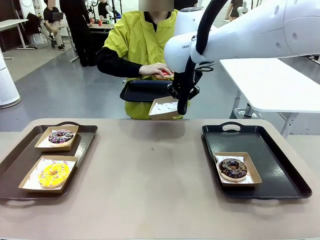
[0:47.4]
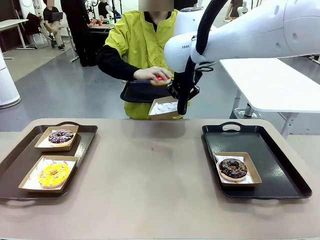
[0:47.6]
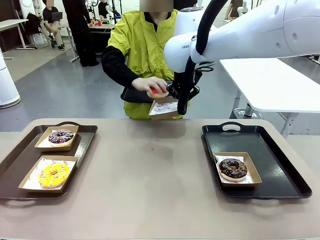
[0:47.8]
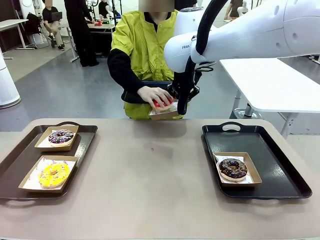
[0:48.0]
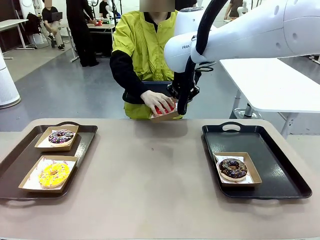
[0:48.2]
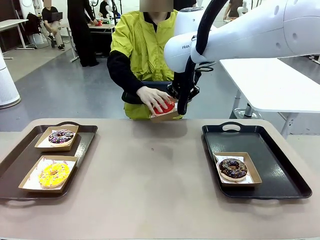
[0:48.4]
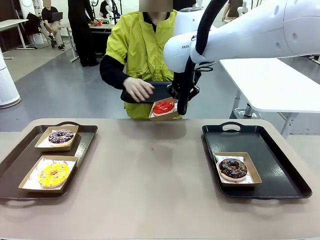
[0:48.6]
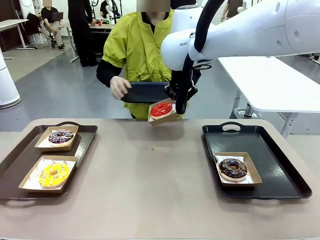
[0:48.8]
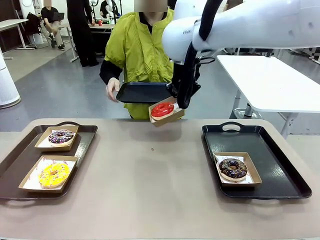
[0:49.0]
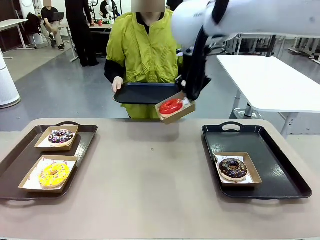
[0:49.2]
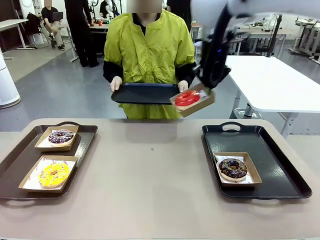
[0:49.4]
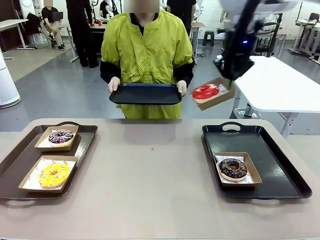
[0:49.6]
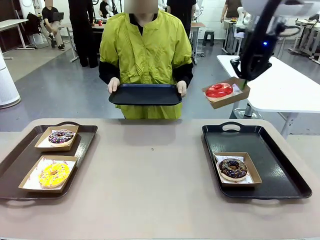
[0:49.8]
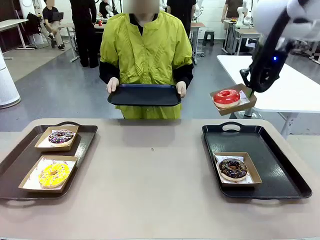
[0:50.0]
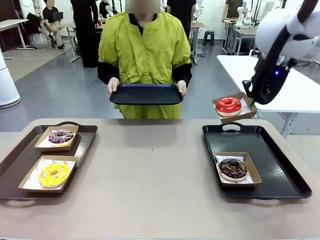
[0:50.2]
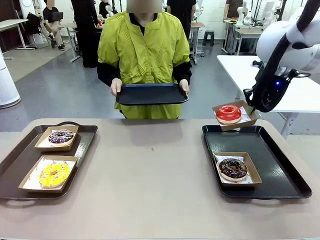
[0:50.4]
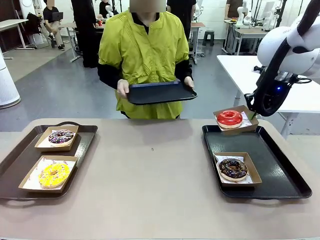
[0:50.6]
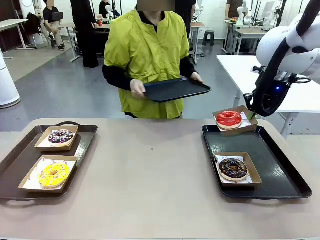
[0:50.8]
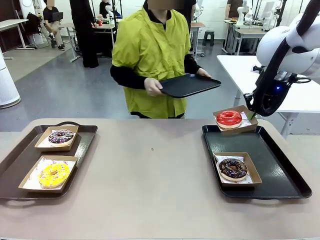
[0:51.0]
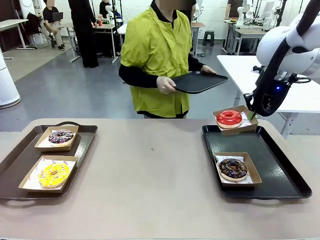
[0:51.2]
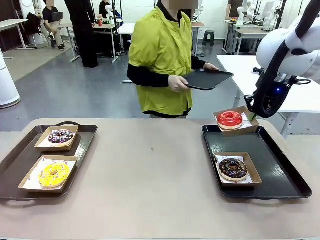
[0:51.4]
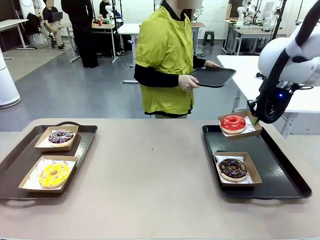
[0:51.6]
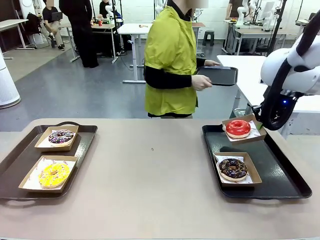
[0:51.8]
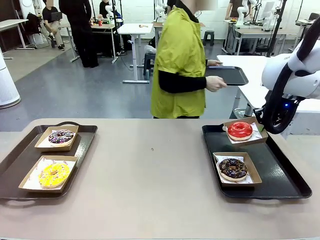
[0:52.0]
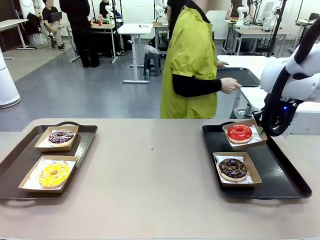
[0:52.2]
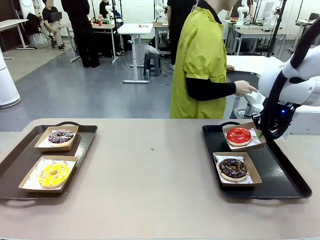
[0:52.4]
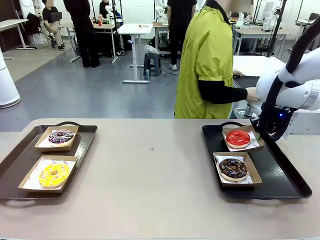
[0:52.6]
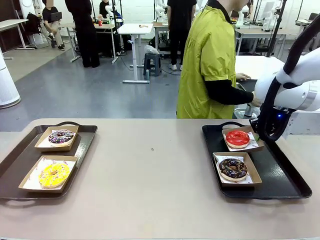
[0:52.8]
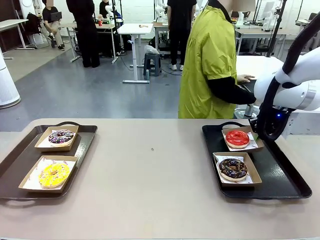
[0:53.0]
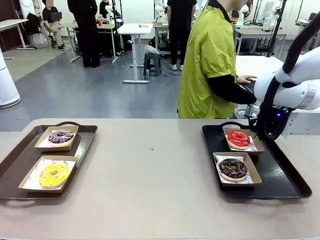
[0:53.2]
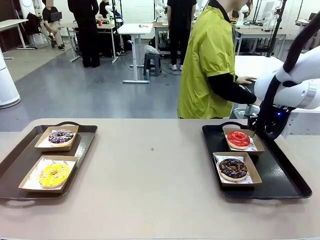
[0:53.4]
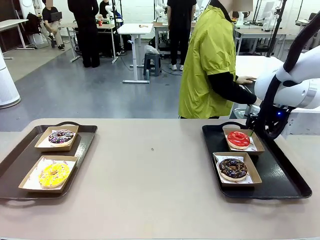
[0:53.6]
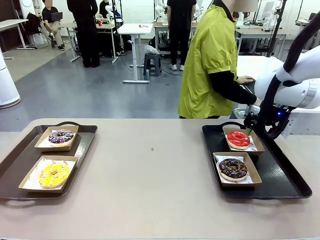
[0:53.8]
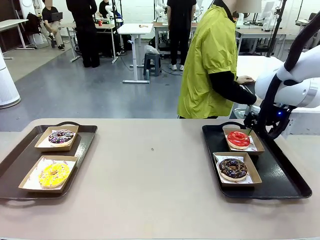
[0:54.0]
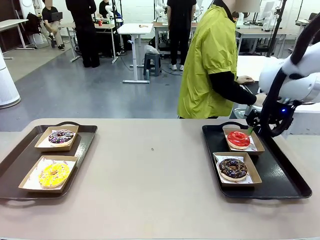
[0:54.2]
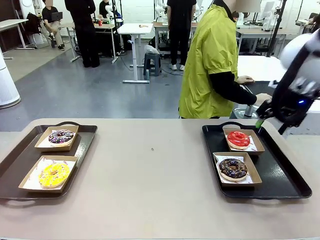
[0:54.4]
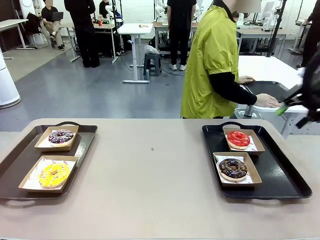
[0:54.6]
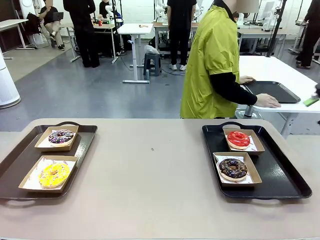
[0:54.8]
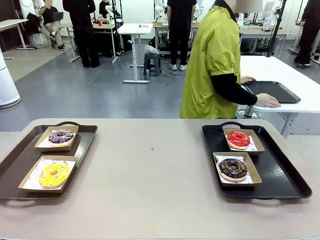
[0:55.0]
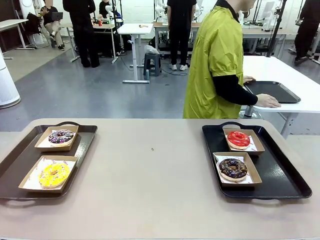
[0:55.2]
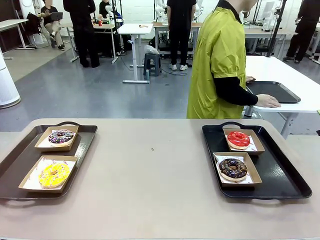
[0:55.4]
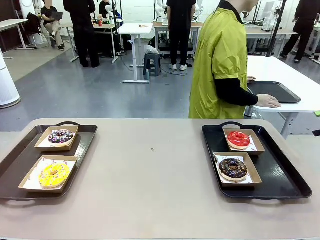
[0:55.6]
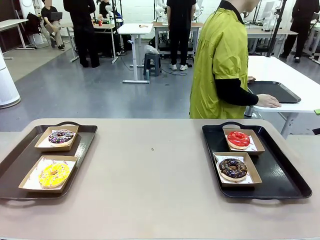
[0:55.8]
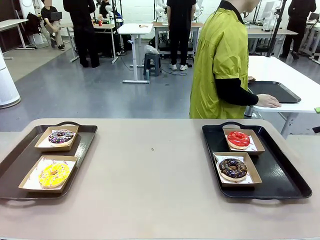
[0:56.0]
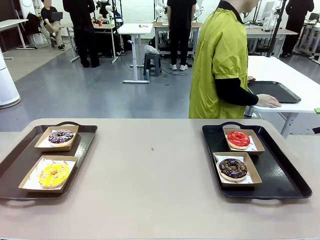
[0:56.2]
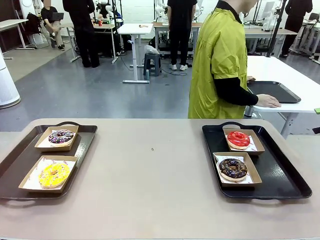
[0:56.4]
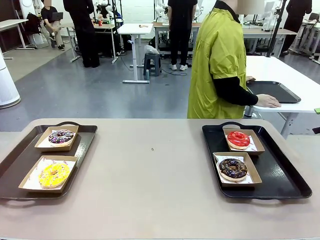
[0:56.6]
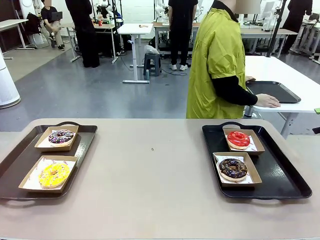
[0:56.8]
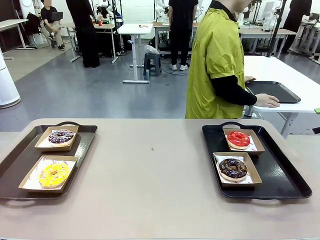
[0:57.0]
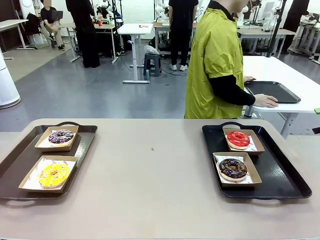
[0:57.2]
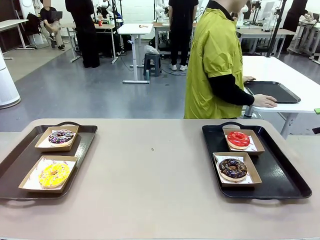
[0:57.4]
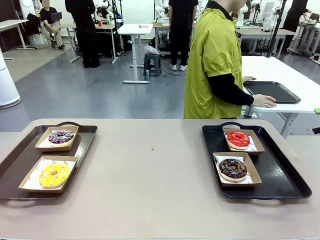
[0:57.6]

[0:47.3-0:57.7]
Task: Individually package the donuts and arrange them on the tray.
Robot: Place the picked Paper togo box on the Handle tray.
Person: Place the tray down in the middle of the human table.

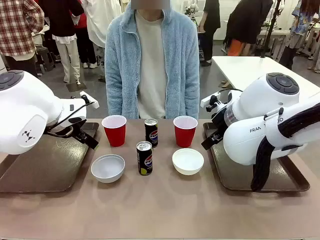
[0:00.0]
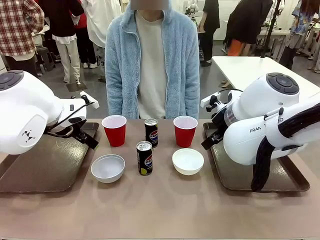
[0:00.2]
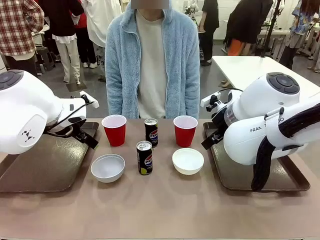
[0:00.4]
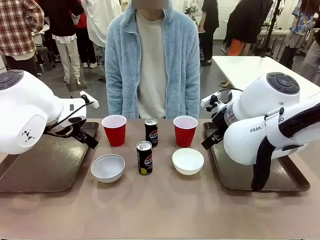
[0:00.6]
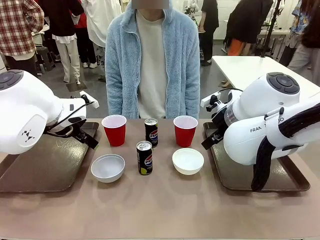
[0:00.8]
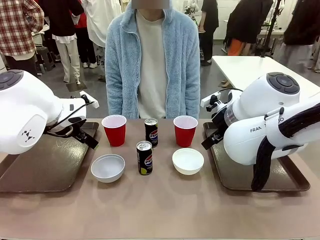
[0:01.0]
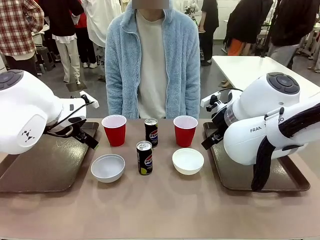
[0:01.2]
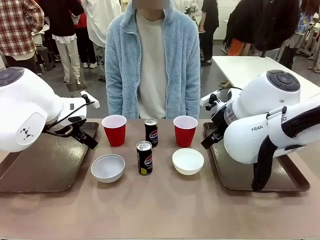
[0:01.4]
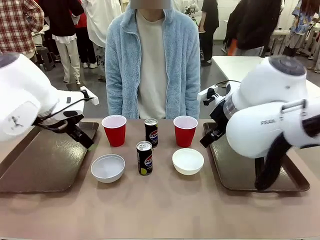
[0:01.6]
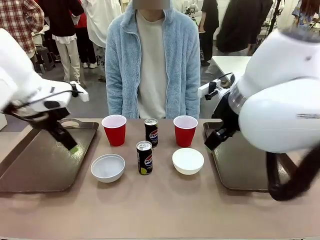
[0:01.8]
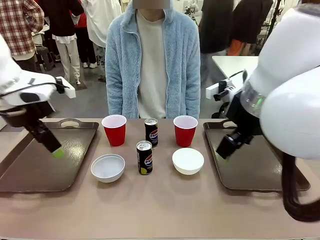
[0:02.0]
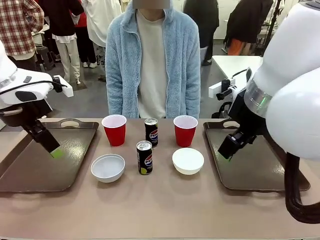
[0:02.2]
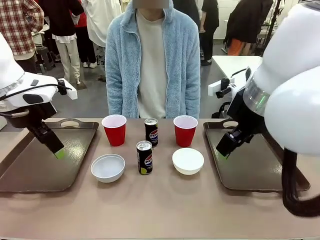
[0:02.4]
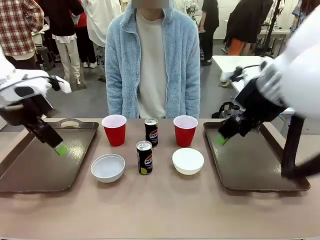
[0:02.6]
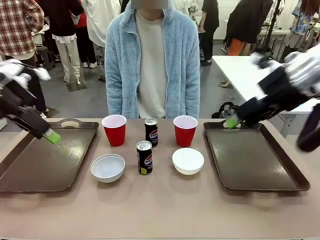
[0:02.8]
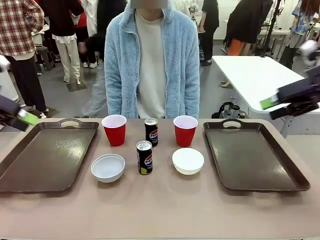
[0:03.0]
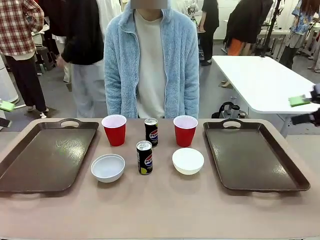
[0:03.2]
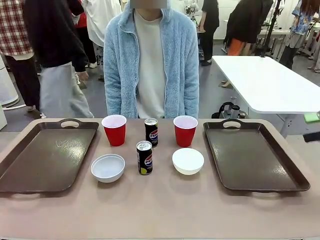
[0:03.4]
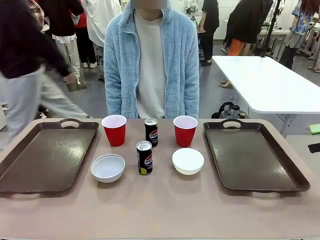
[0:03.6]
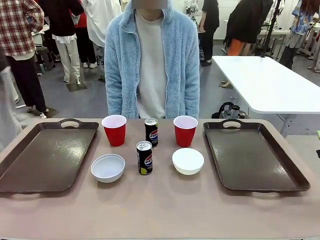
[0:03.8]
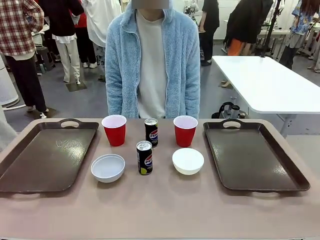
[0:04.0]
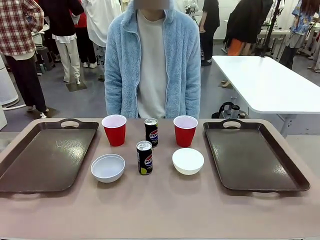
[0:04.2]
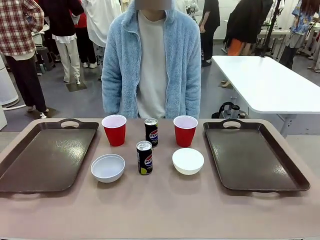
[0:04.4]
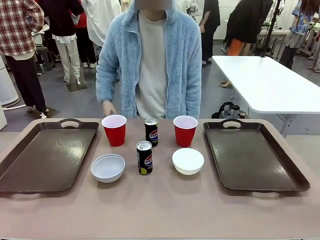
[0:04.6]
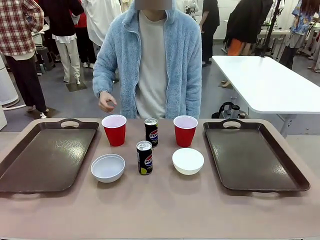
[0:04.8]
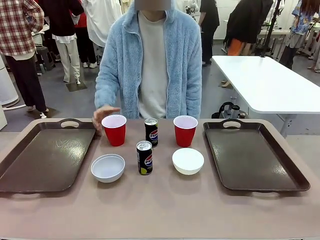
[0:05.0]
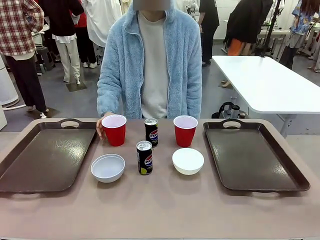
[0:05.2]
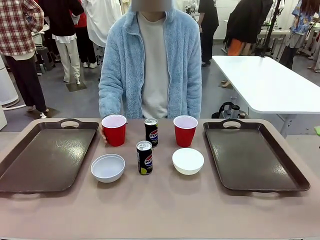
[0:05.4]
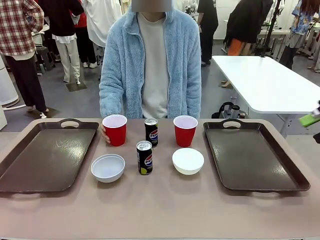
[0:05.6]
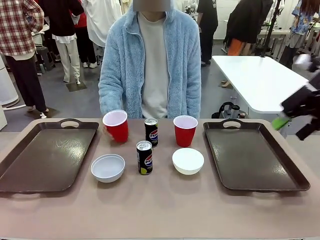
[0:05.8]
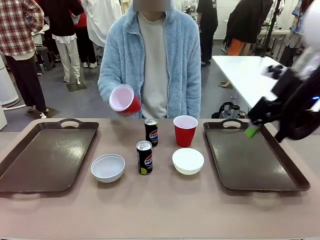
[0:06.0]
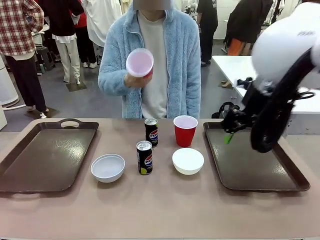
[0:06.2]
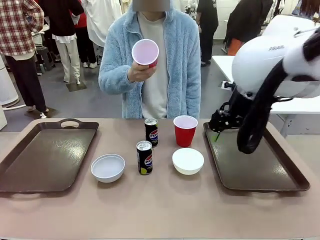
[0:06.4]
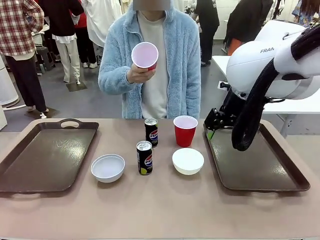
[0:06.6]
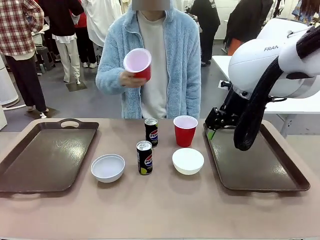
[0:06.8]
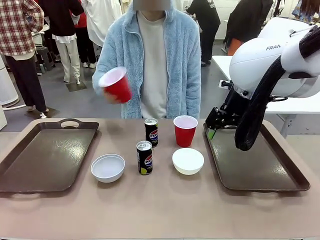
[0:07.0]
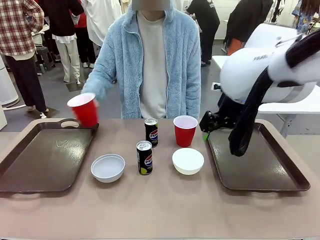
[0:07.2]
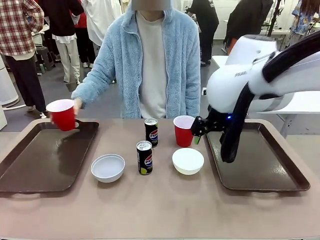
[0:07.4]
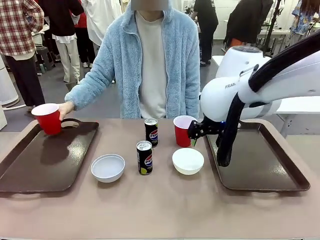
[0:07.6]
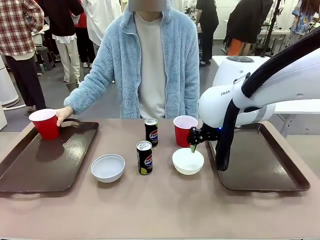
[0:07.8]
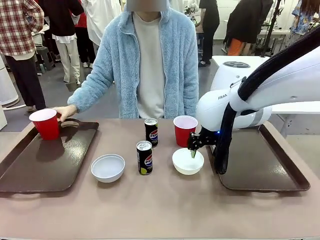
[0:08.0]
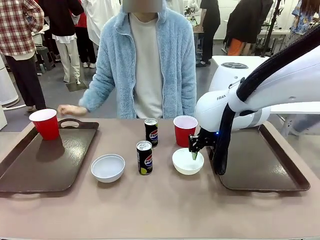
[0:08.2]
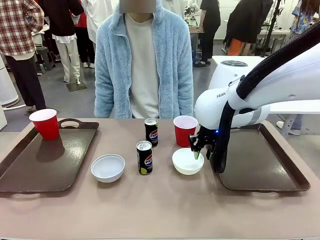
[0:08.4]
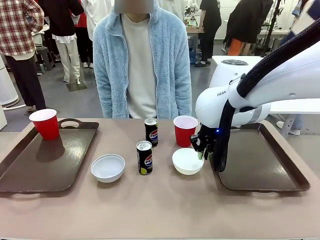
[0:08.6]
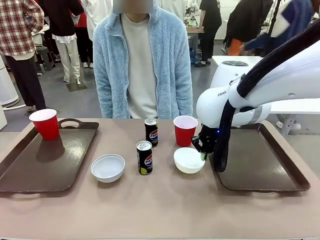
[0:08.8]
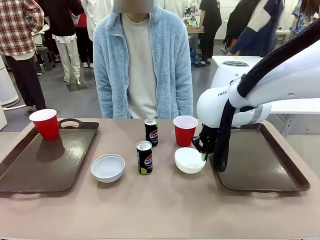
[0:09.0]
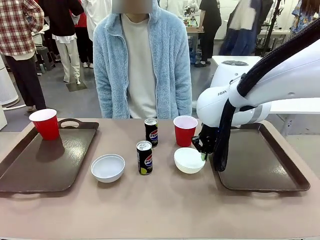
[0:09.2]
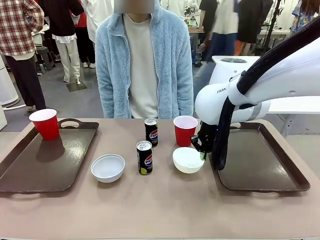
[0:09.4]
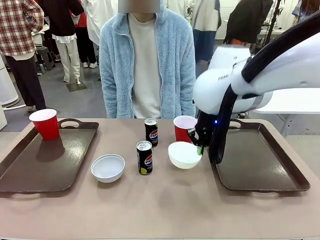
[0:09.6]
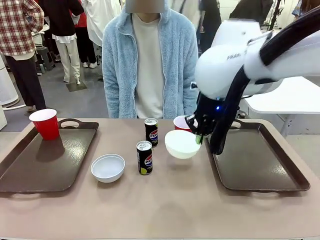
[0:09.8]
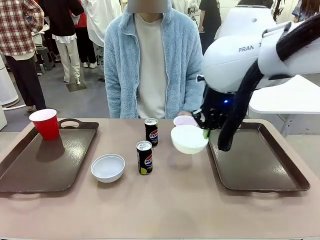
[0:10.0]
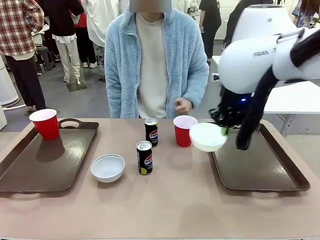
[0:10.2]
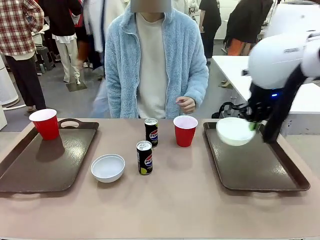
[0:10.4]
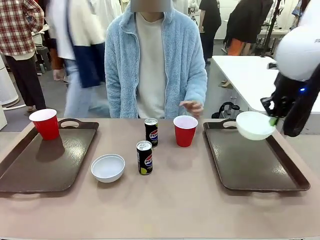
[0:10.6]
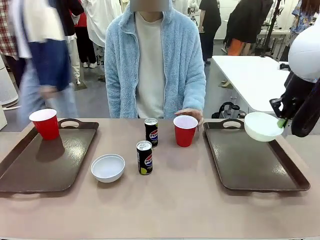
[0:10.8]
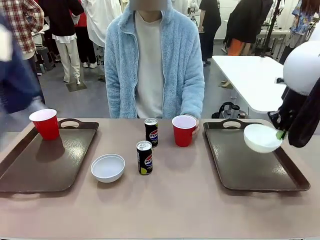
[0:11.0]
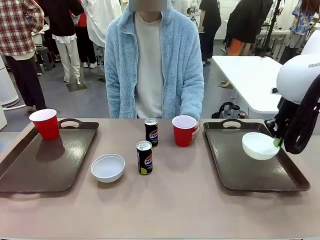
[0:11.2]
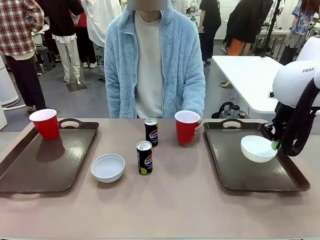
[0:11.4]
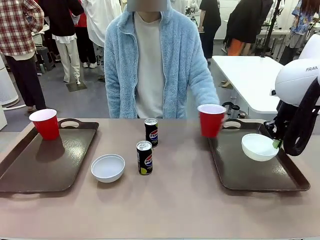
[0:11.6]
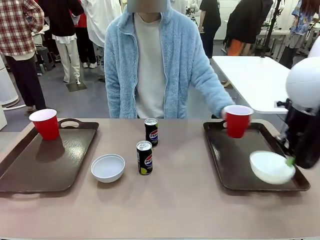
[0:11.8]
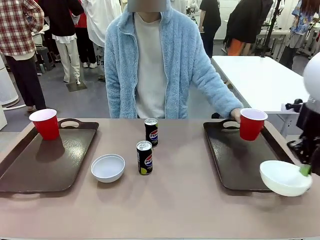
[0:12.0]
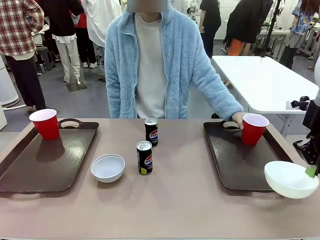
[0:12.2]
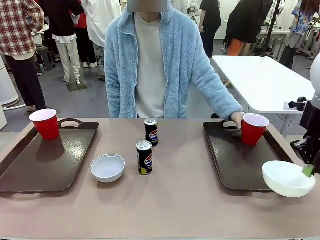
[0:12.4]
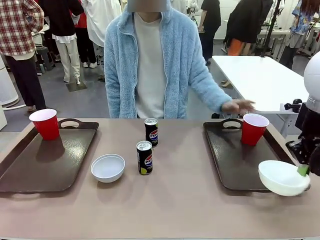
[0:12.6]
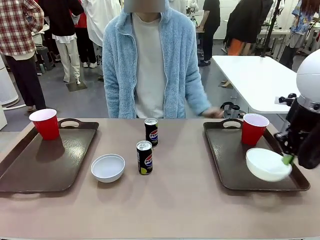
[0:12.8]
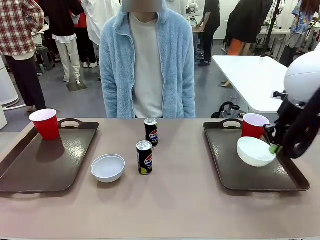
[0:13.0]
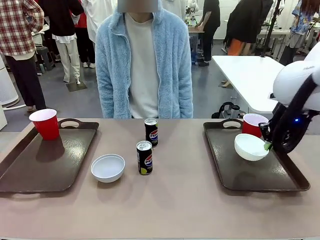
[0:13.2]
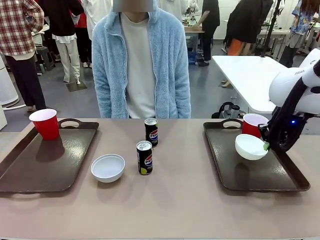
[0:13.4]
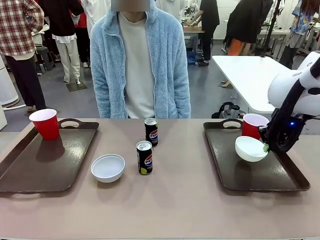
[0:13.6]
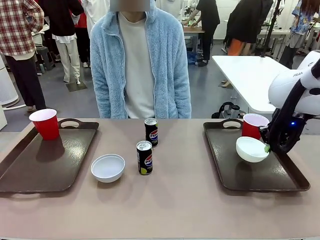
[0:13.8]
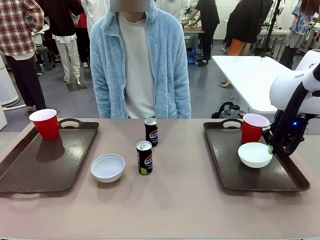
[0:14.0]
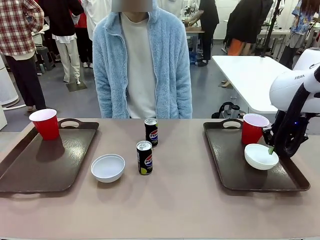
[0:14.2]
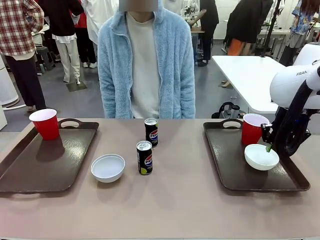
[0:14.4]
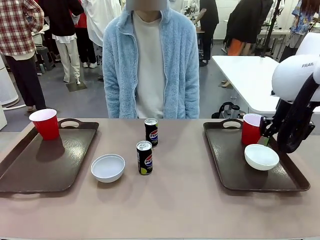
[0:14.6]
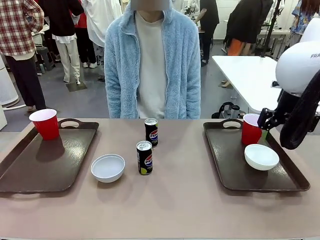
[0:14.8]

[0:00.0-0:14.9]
Task: Prepare tableware on both trays.
Robot: Pick up a Picnic Bowl from the table and place it on a Handle tray.
Person: Pick up a can or cup and place it on the tray.
